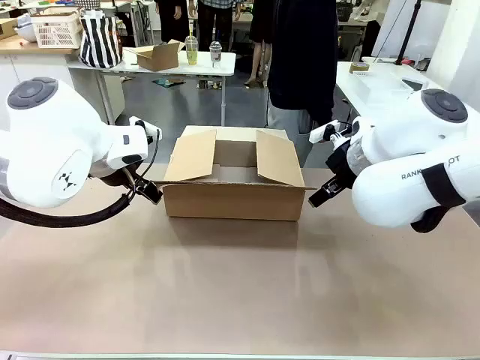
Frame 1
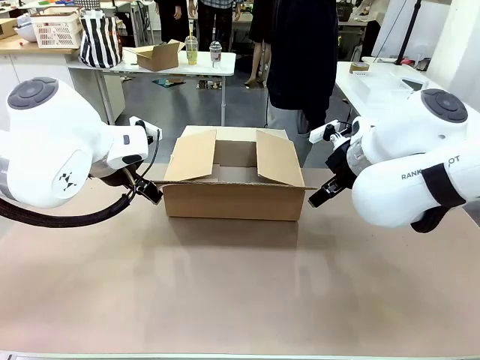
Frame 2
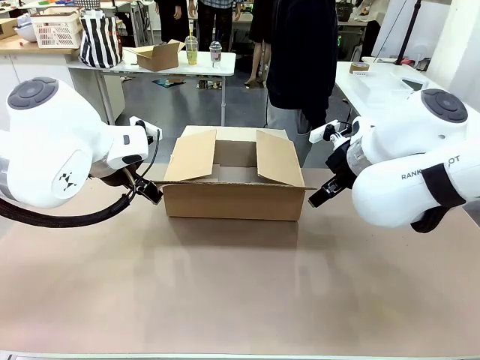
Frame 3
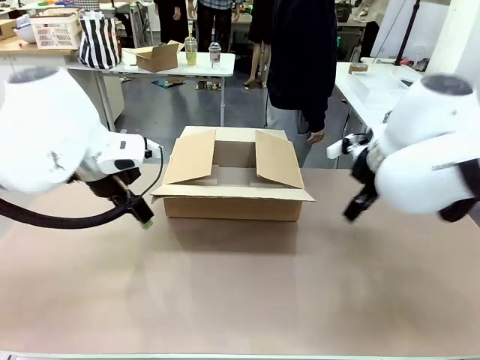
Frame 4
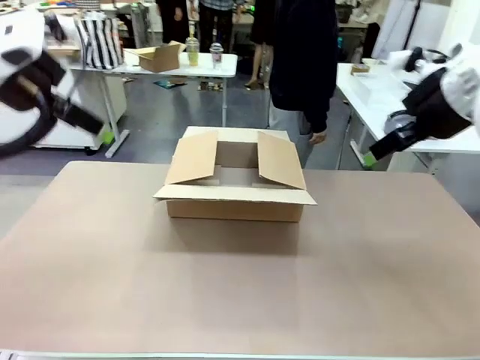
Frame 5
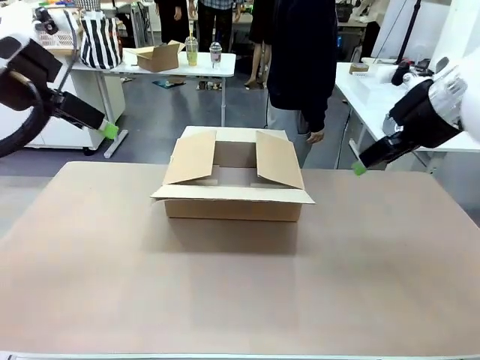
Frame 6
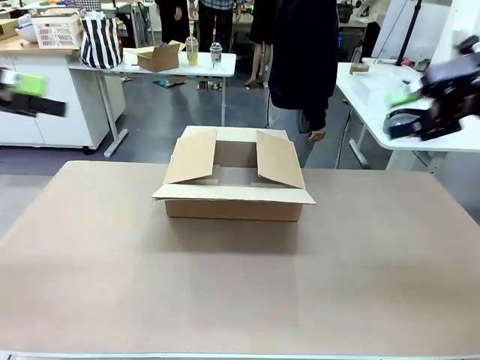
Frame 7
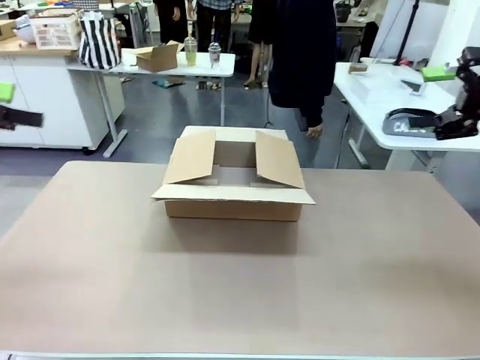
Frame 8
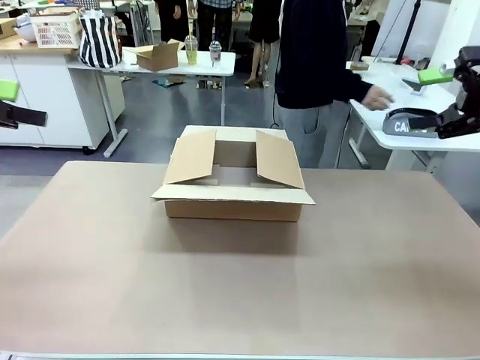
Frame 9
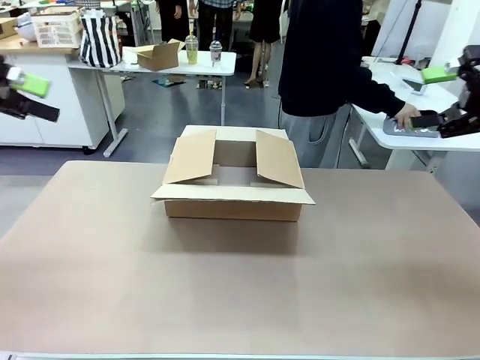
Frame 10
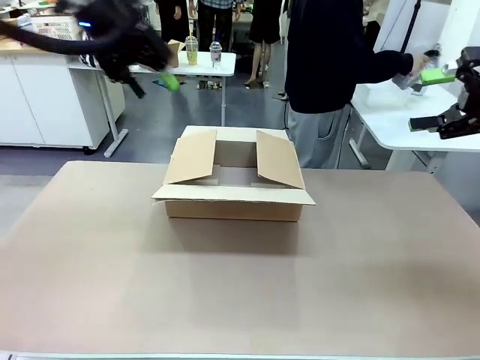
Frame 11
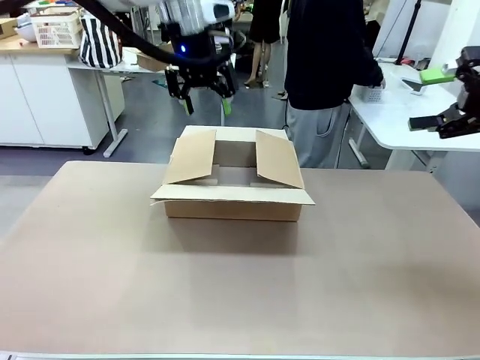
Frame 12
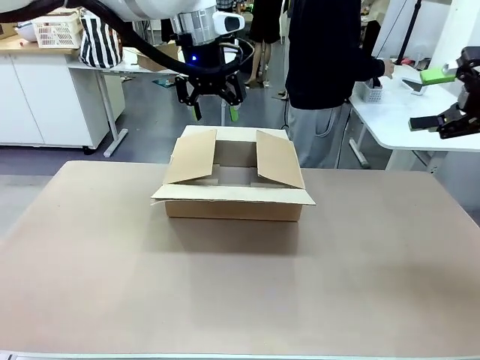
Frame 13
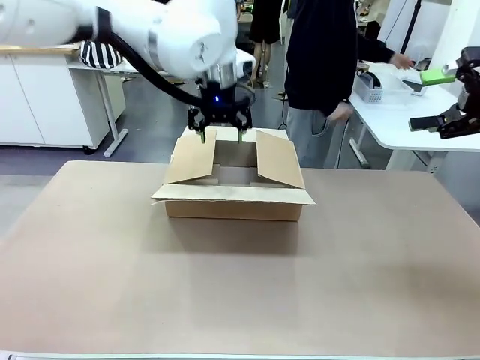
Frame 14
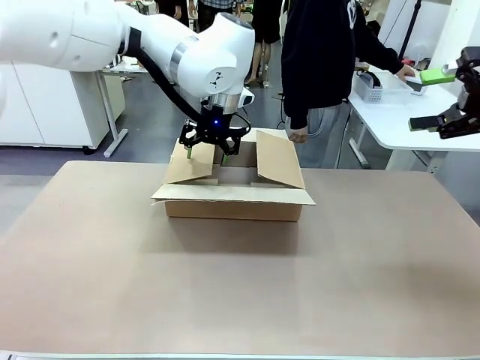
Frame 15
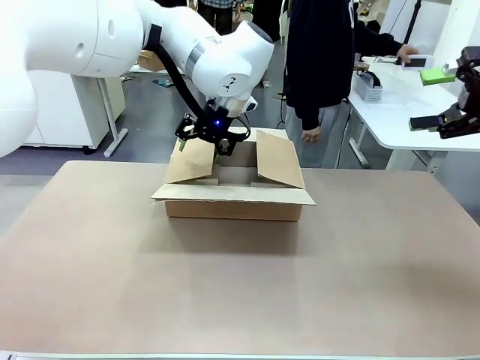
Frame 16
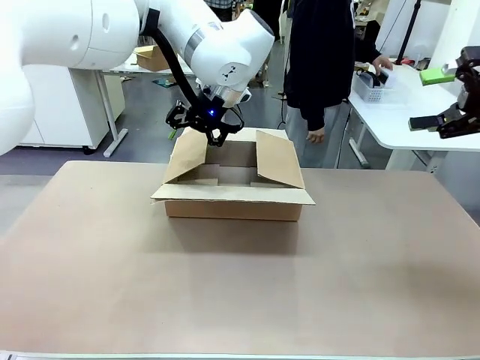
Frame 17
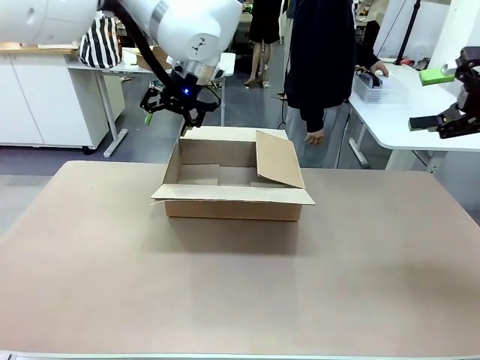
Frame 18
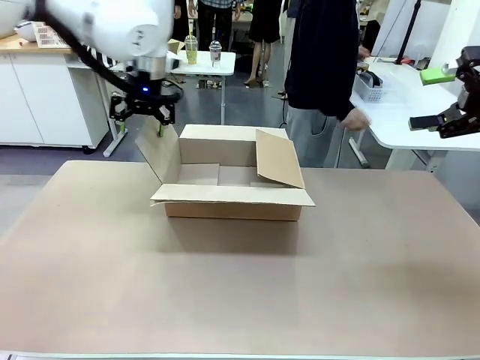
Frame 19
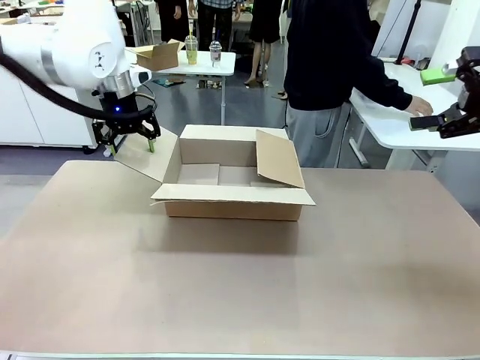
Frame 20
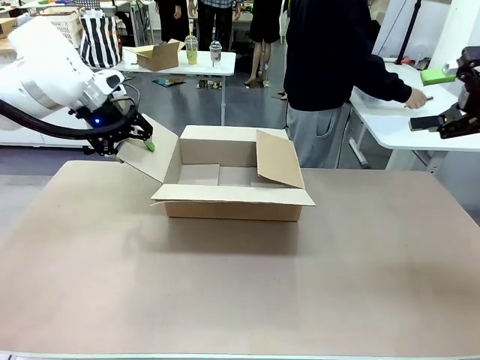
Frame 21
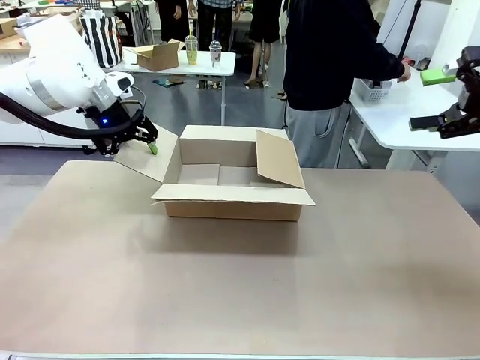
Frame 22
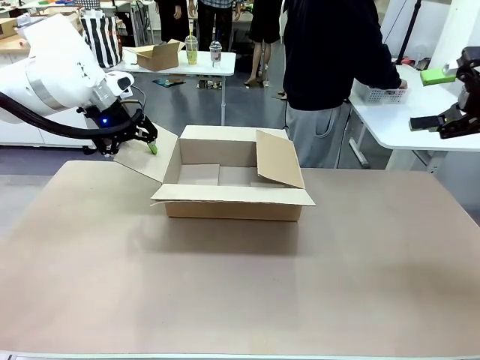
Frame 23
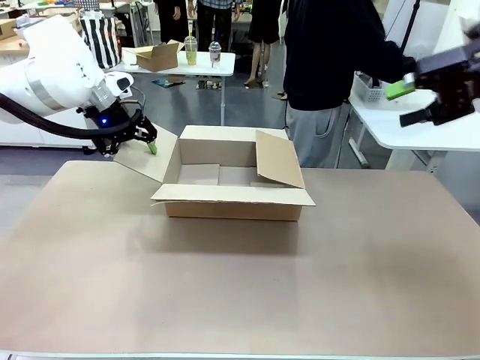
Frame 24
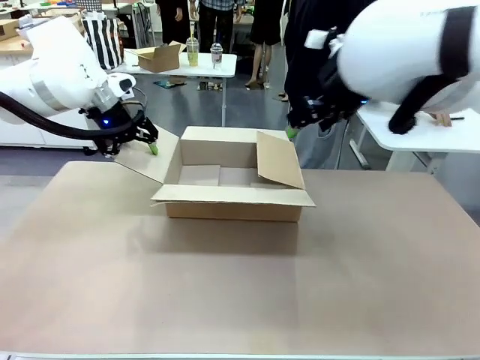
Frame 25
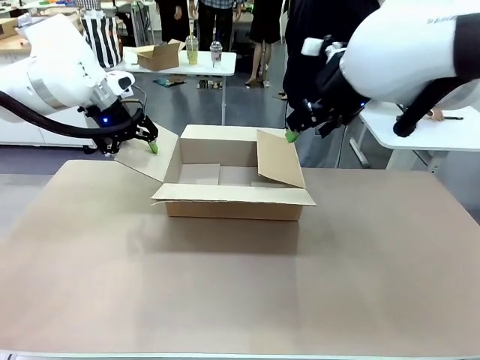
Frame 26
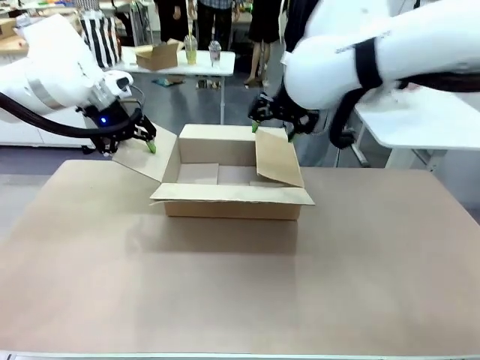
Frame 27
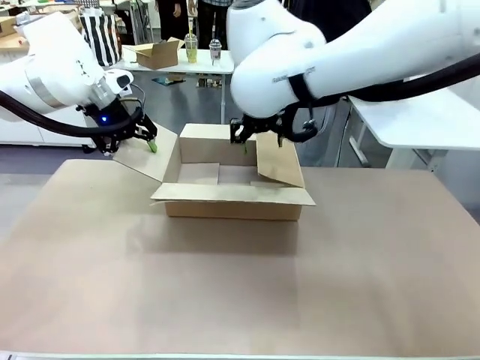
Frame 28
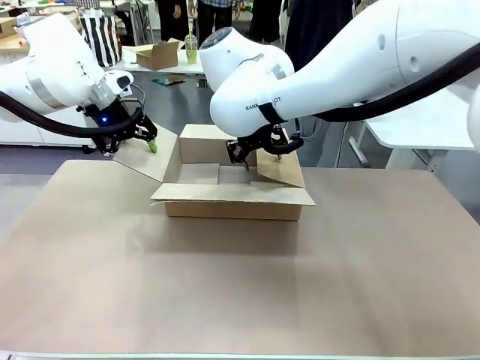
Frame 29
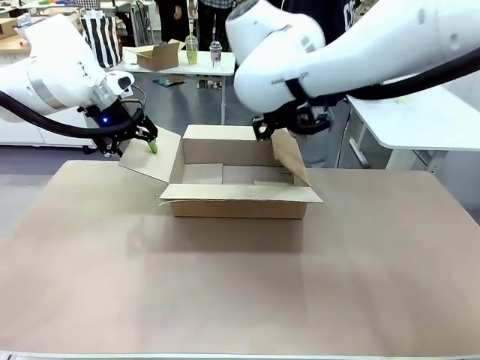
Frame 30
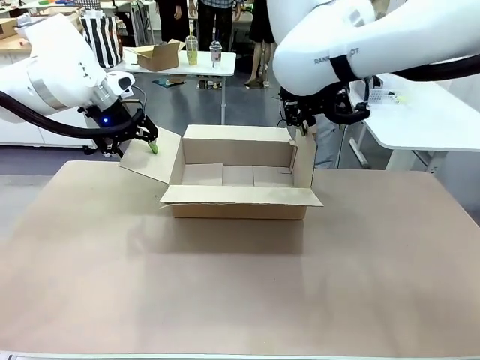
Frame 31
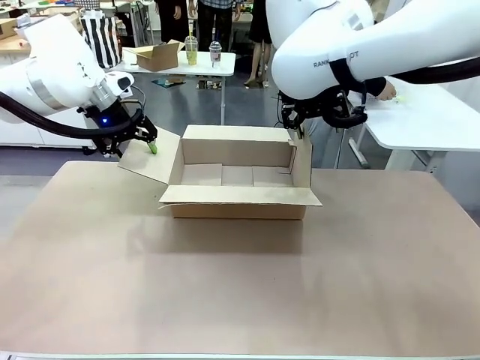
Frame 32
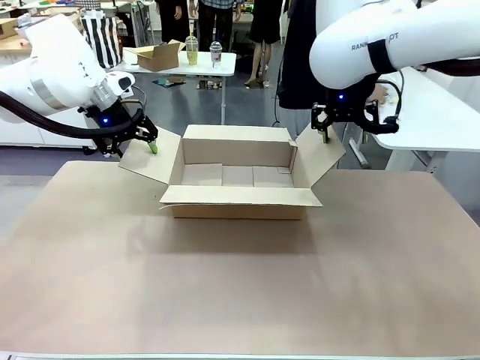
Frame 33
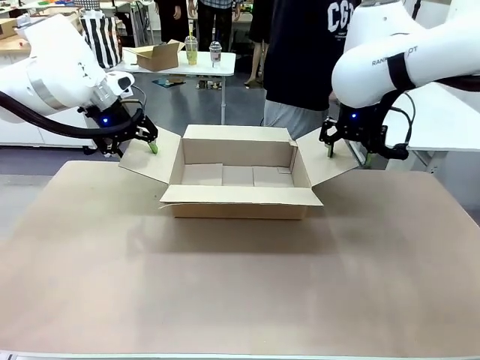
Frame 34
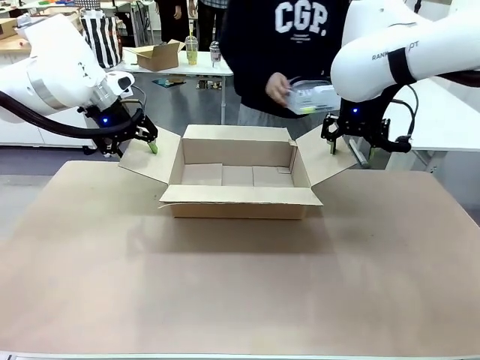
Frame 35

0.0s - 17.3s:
Task: Pack the gift set into the box.
Robot: Place both hands on the side flaps of the Package Box and spread them outward.
Person: The human places all items except the paper tape into the organizing basket.

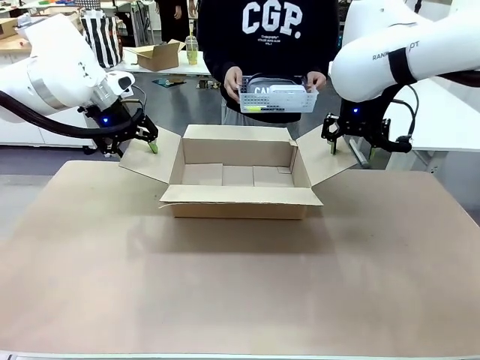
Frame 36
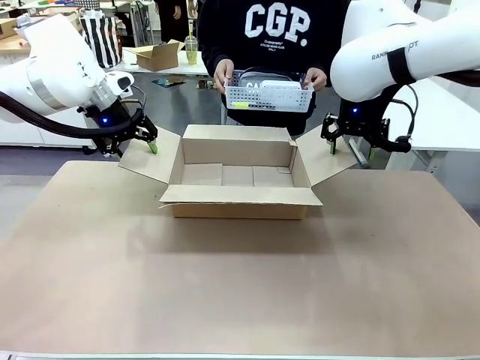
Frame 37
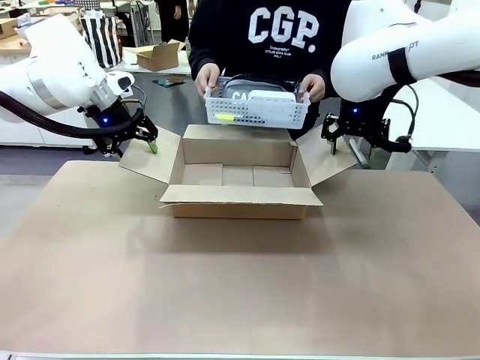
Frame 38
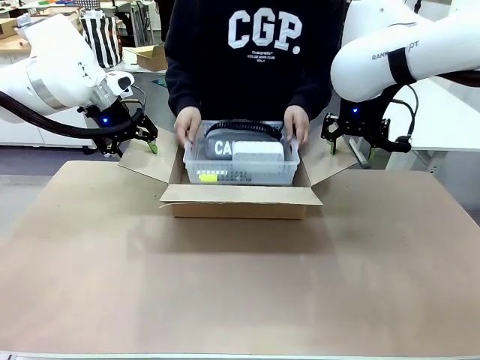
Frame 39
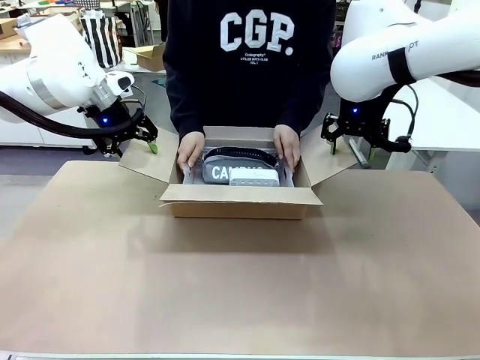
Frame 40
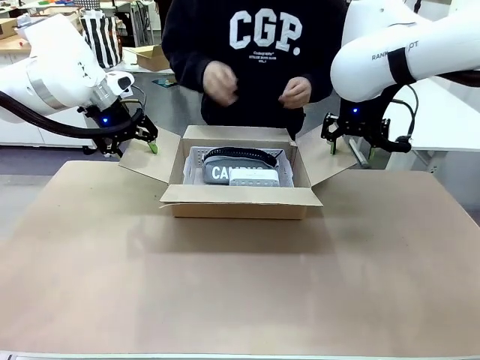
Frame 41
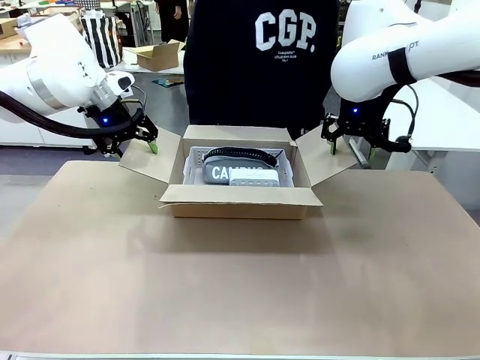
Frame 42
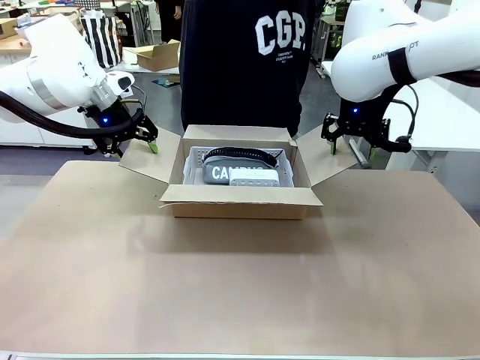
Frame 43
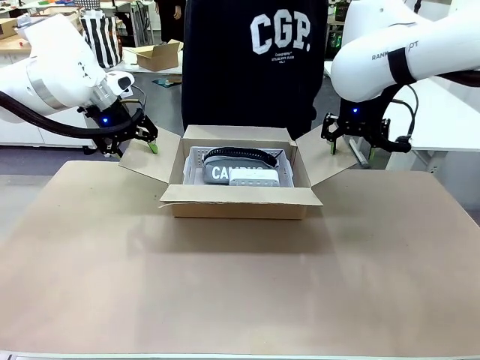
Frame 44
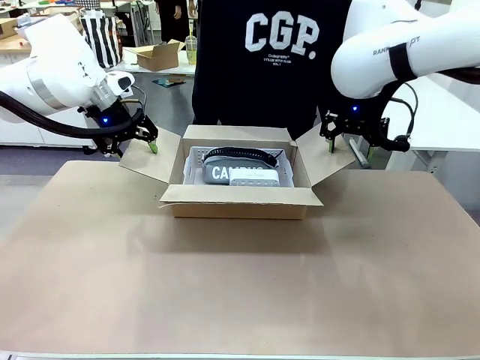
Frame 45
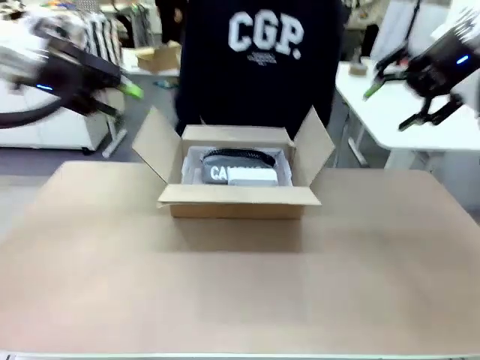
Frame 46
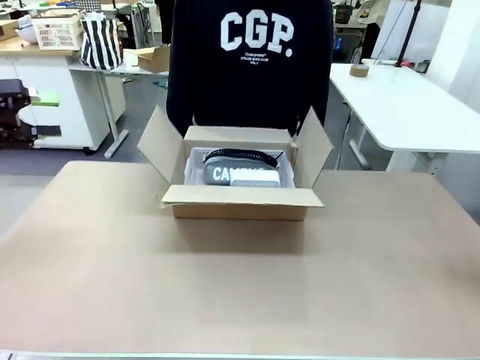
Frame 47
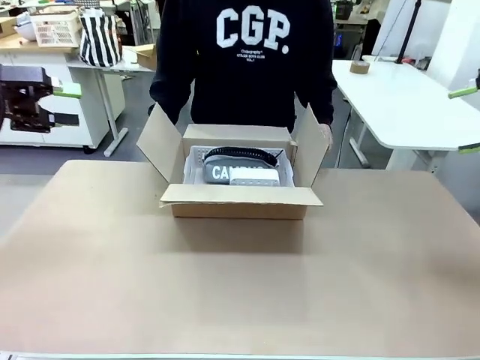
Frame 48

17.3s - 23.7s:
Robot: Lift both hands away from the flaps of the Package Box.
Person: The human picks up the organizing basket and places the organizing basket into the package box on the robot table.
